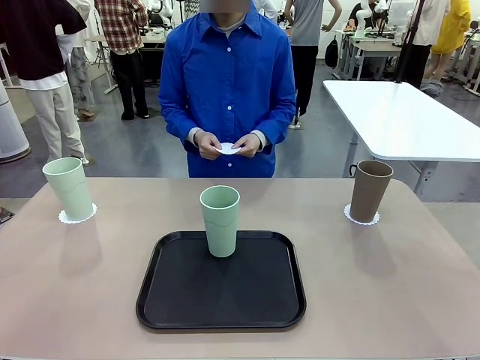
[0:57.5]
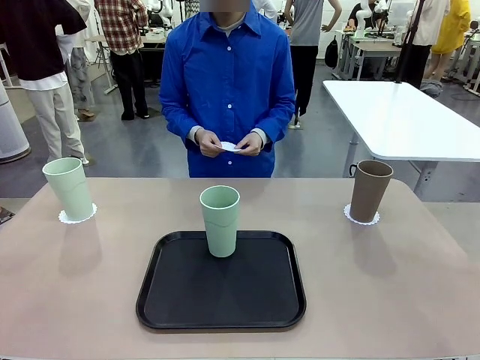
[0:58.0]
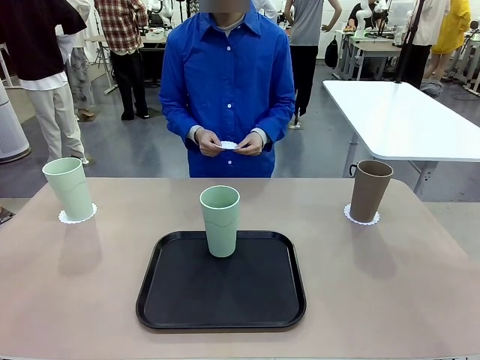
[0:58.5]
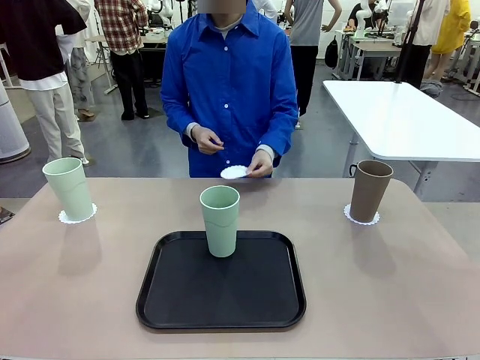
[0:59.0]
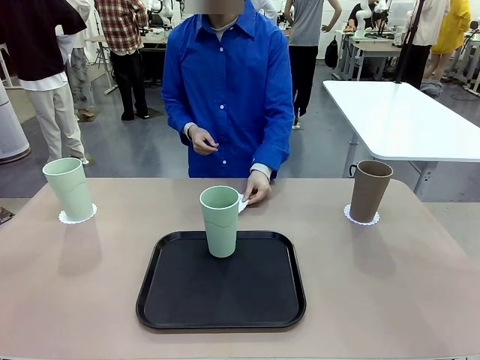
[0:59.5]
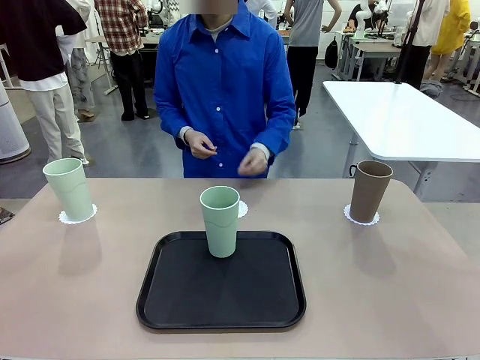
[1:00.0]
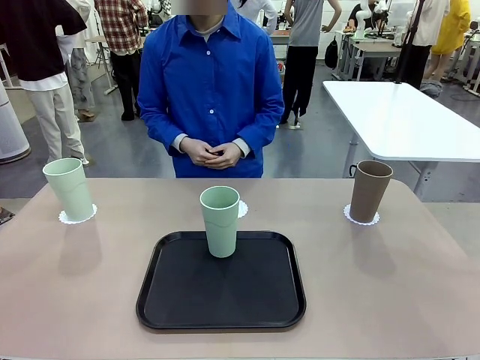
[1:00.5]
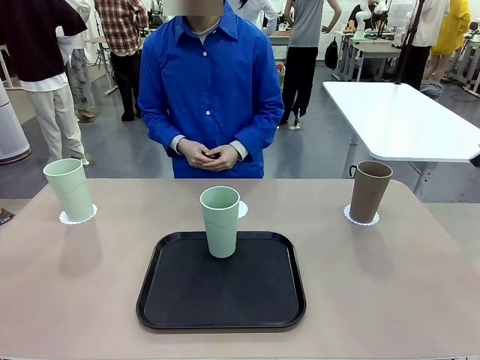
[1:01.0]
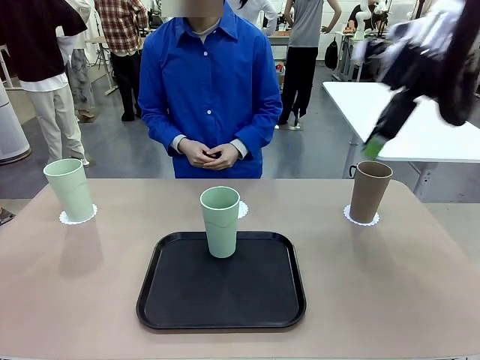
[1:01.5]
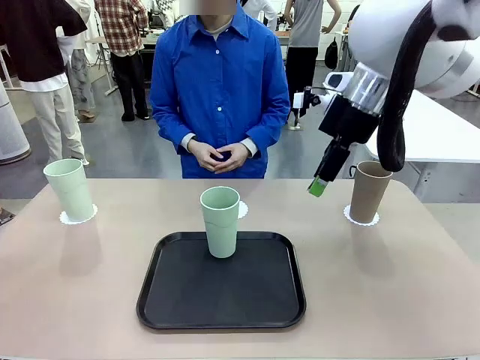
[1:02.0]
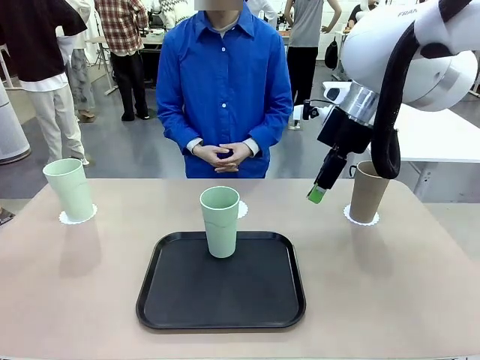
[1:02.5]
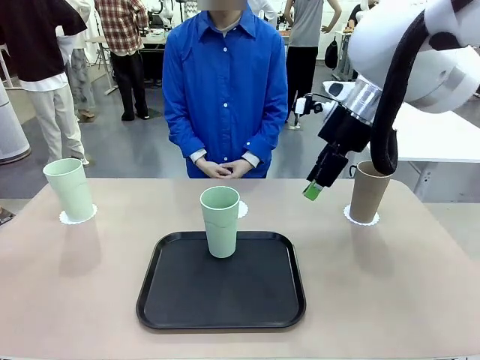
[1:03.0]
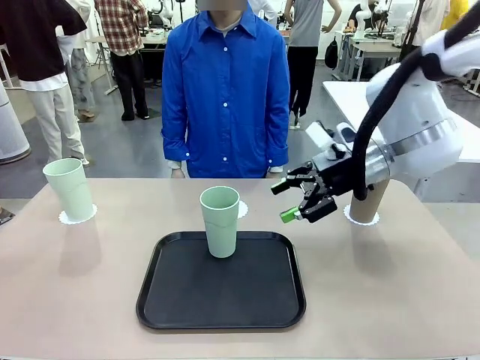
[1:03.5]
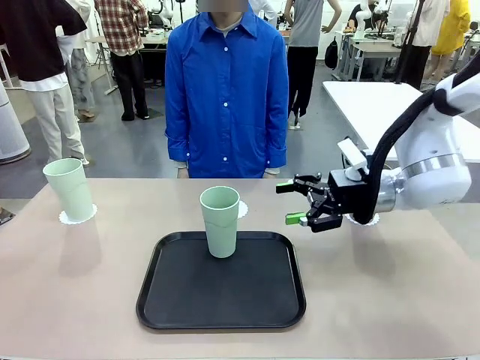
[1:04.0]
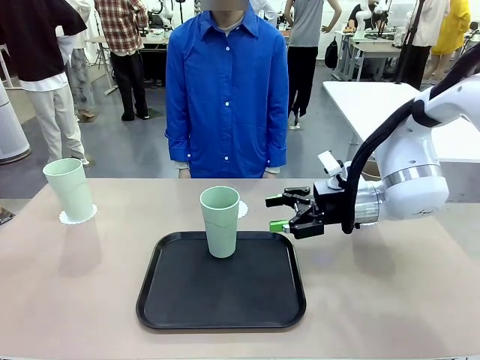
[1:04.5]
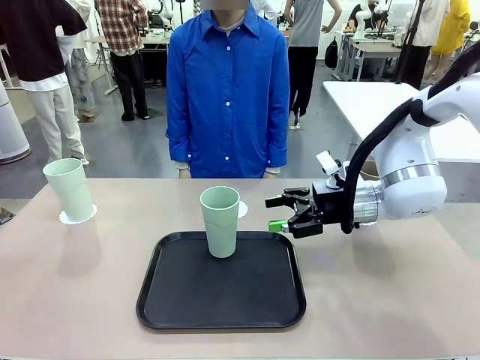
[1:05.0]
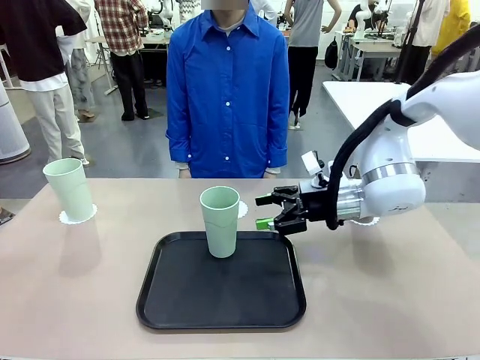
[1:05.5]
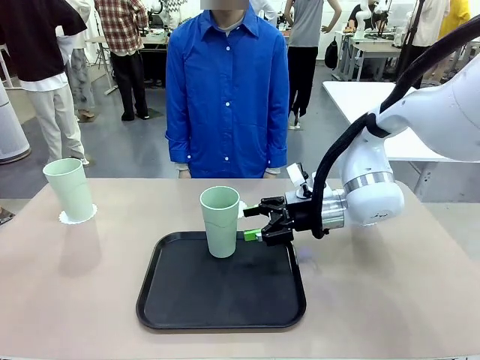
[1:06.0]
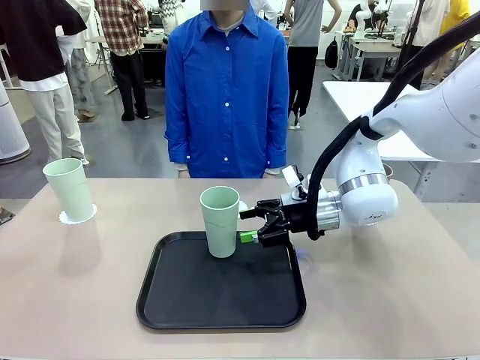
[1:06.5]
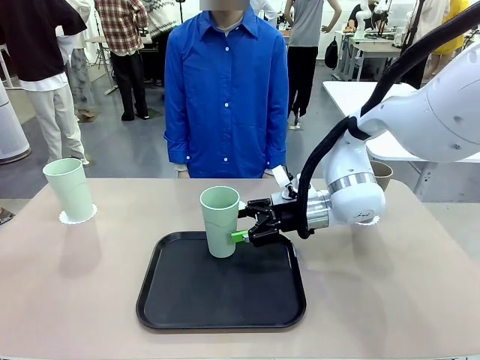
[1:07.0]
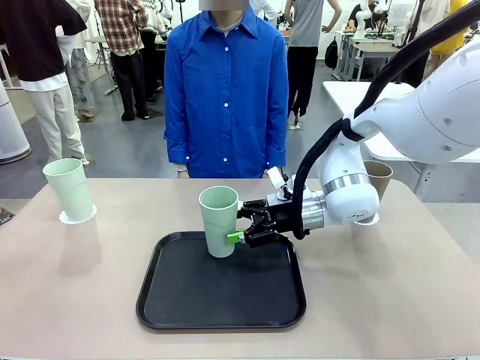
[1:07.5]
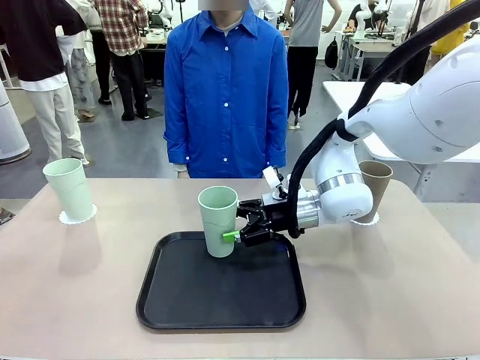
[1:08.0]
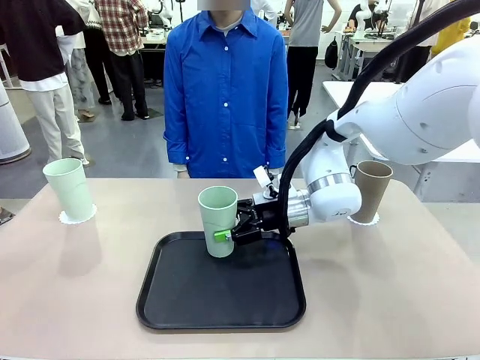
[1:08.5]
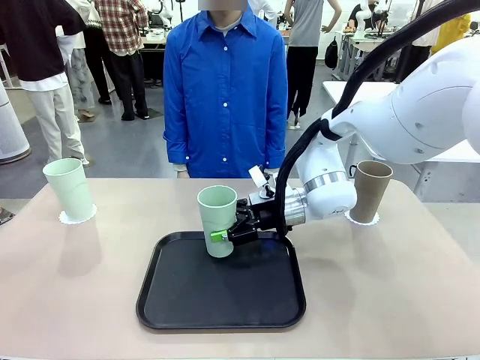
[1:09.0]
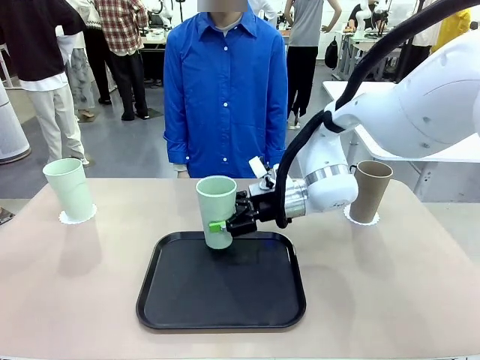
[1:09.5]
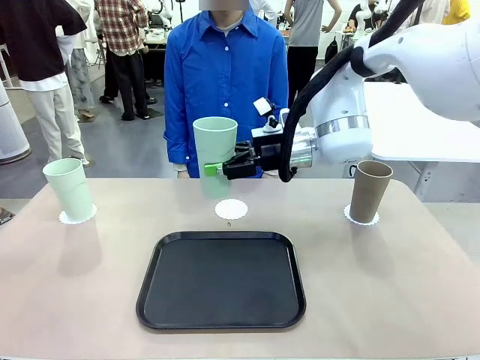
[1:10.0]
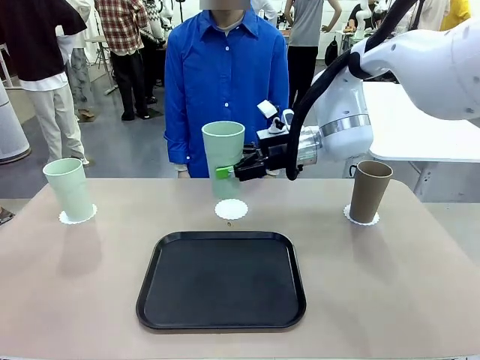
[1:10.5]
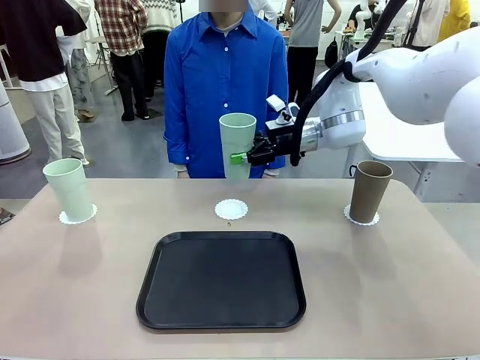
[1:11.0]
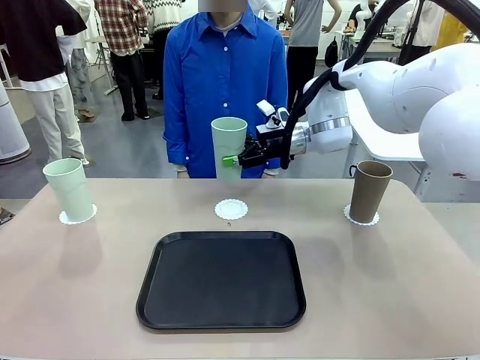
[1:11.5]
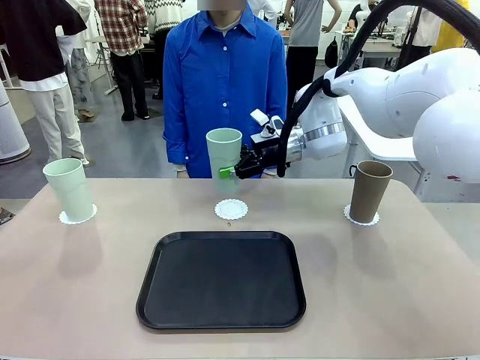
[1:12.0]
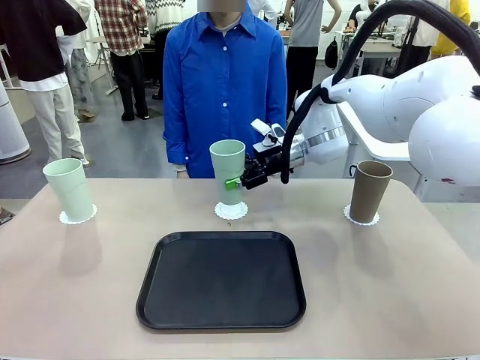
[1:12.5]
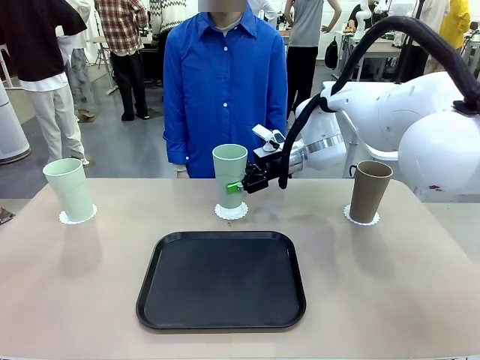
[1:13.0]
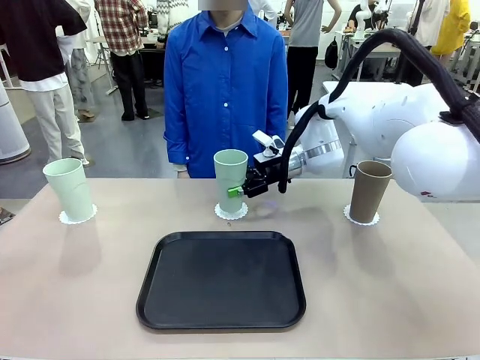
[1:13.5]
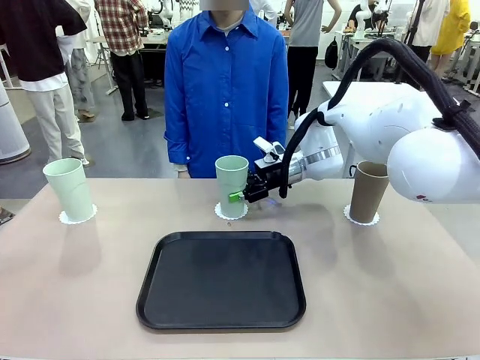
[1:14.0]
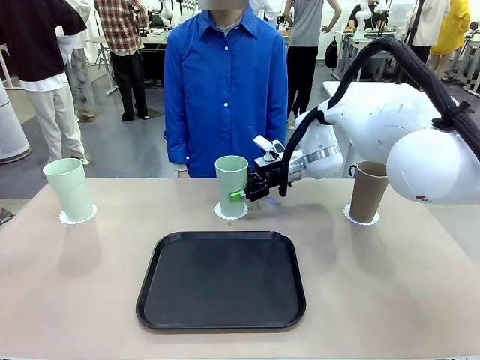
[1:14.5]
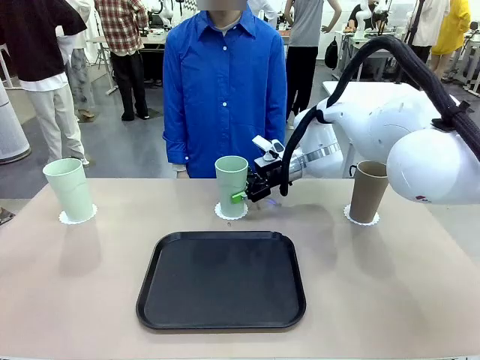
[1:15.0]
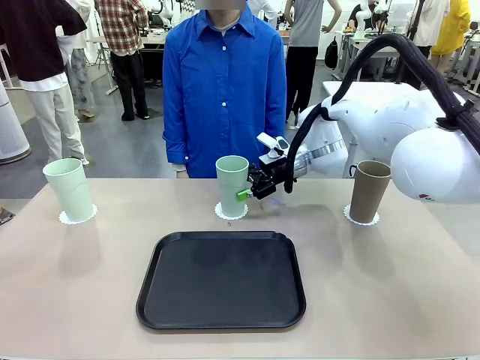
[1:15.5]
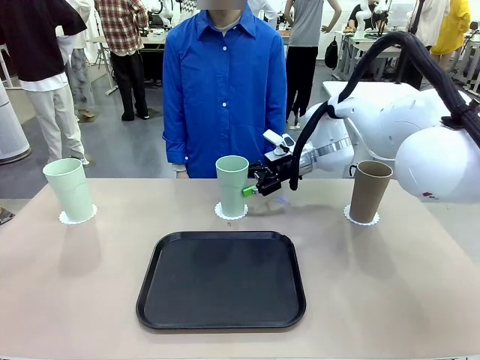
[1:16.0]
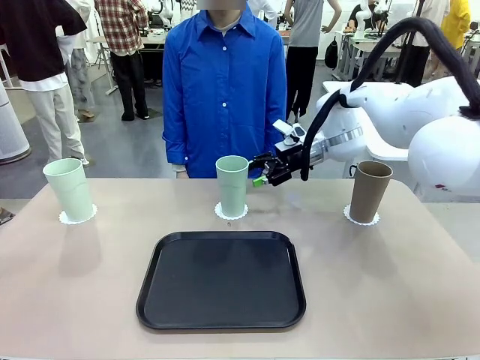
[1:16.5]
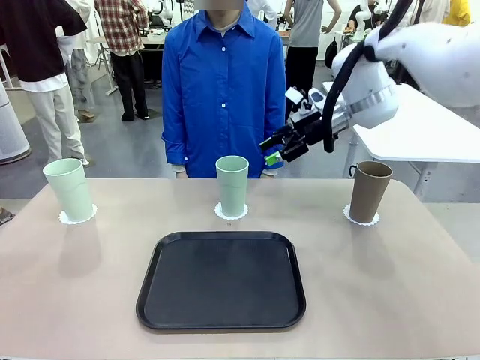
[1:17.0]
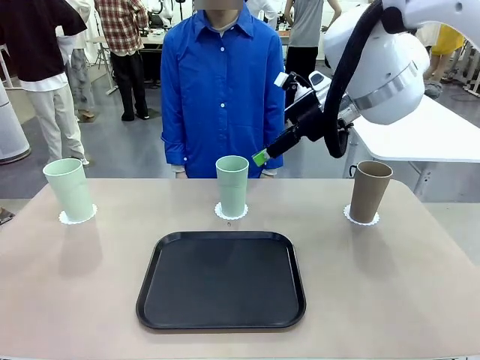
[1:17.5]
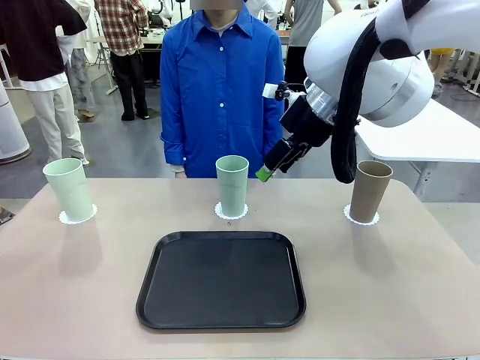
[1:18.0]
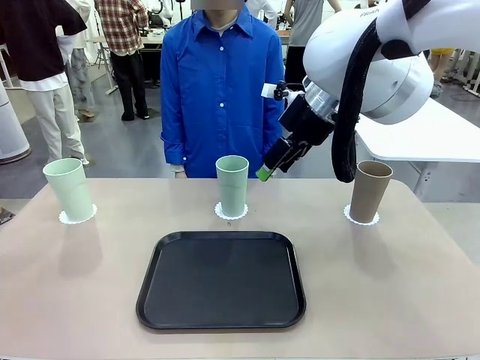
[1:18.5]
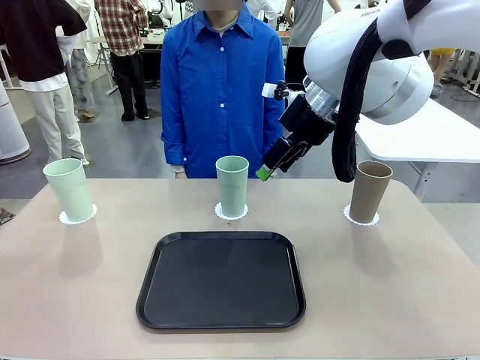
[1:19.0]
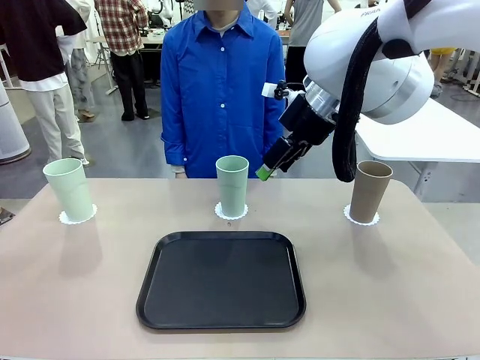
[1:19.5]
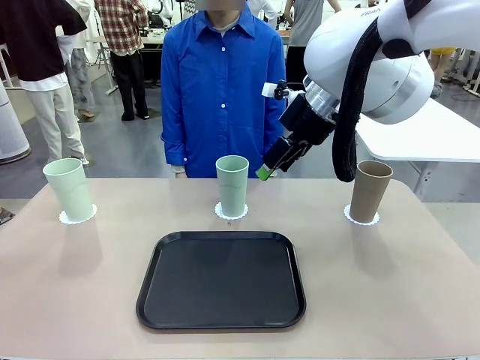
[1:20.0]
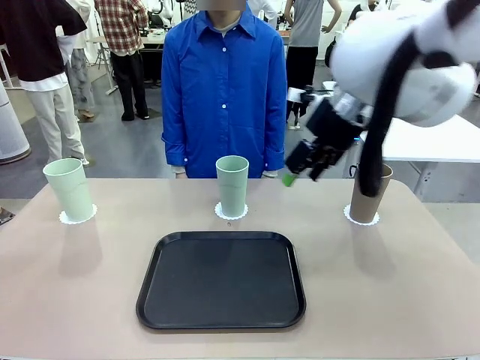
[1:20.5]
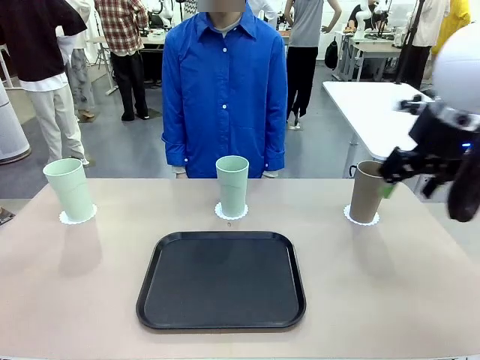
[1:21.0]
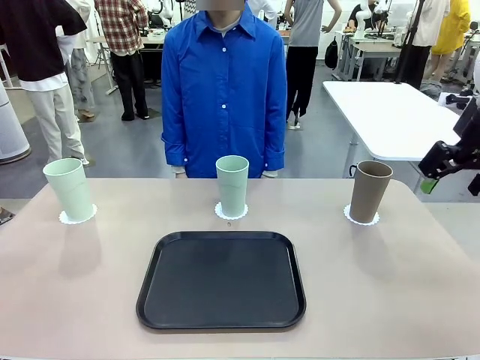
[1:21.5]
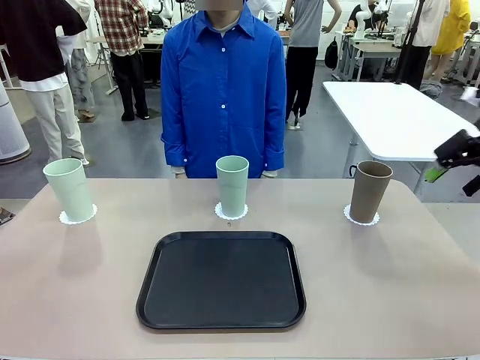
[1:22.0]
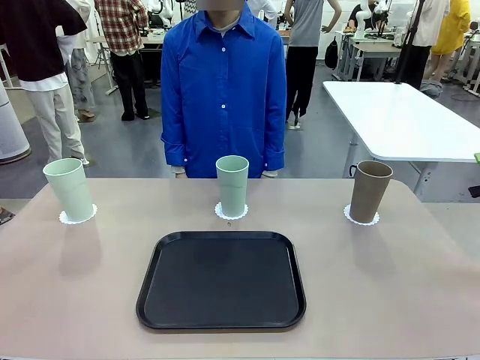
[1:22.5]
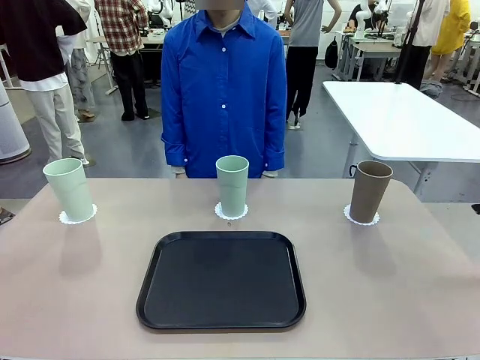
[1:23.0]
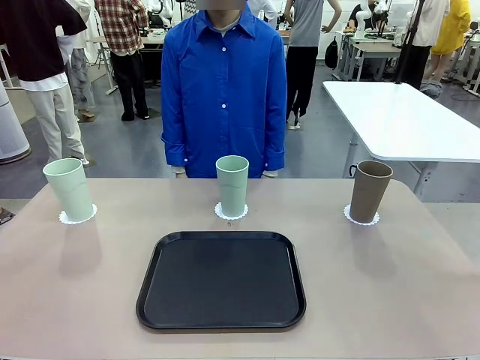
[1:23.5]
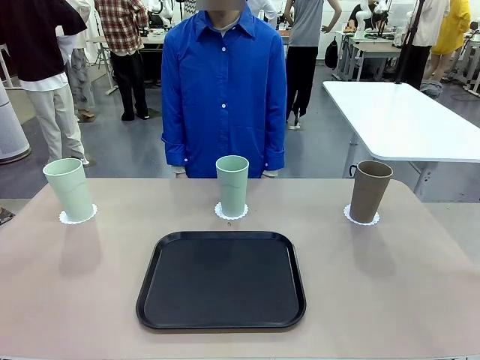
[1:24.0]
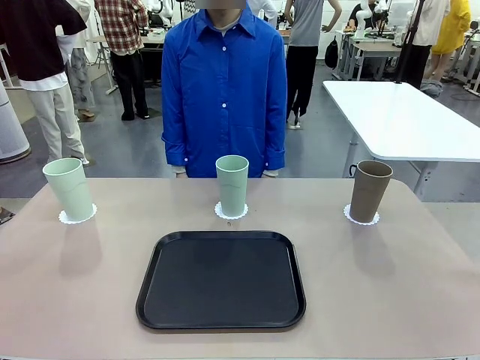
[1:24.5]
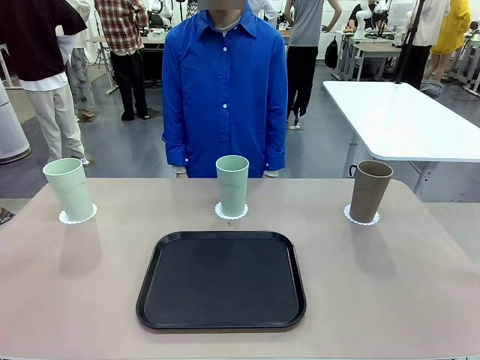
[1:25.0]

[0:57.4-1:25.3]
Task: Place coasters on the table and set cups on them.
Robot: Take one Reusable plastic cup from the Flat Tray and place it on a coaster set by the human.
Person: Place one coaster in the only remaining area.
